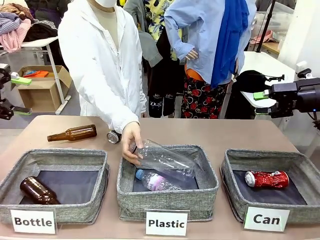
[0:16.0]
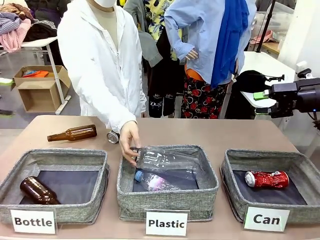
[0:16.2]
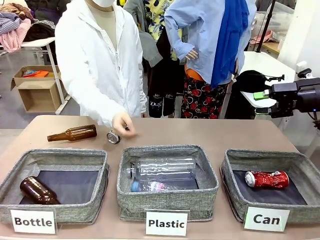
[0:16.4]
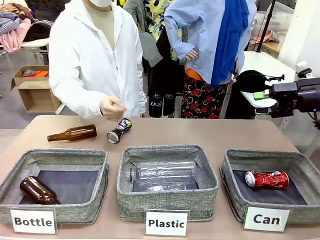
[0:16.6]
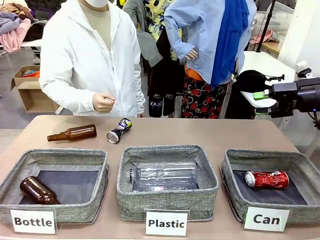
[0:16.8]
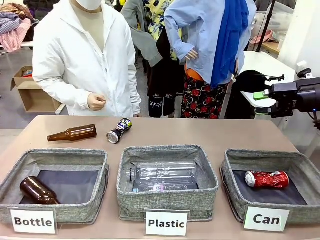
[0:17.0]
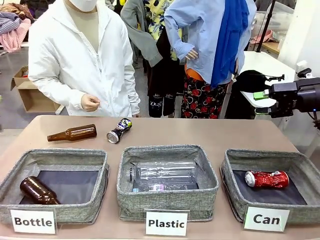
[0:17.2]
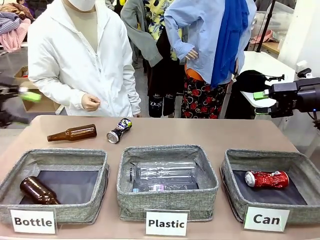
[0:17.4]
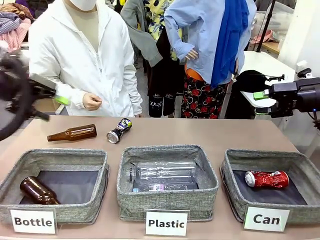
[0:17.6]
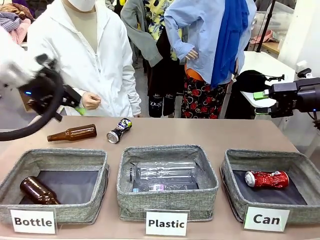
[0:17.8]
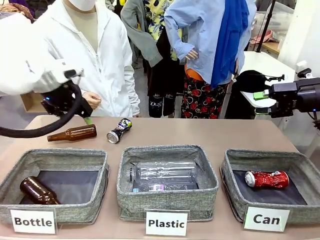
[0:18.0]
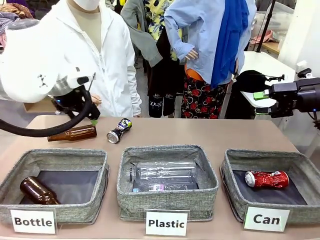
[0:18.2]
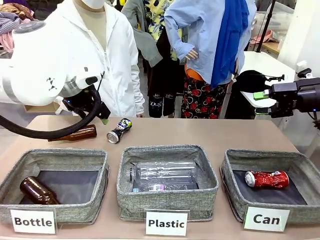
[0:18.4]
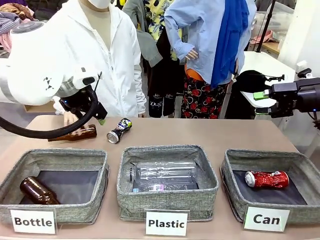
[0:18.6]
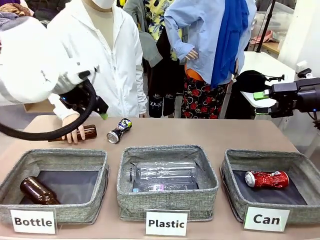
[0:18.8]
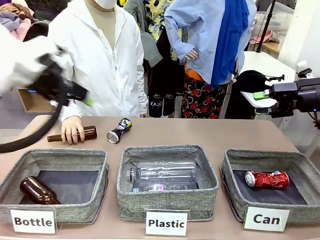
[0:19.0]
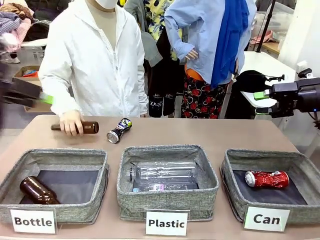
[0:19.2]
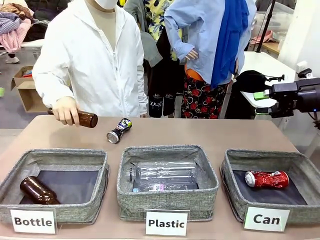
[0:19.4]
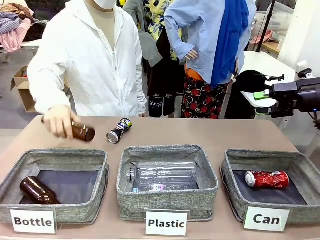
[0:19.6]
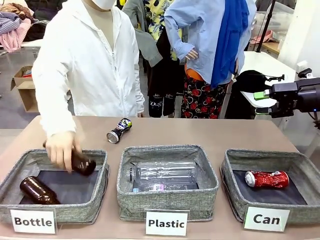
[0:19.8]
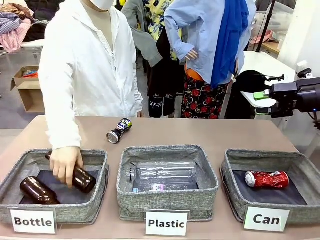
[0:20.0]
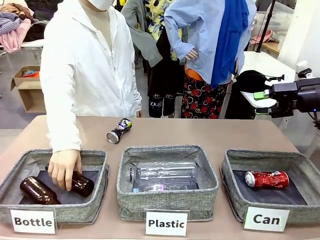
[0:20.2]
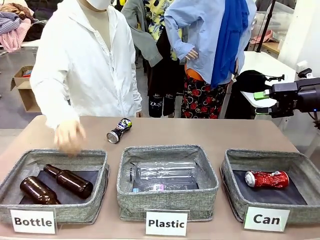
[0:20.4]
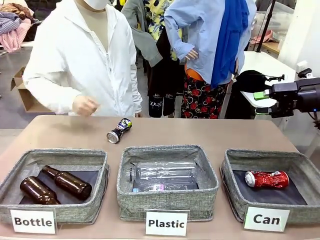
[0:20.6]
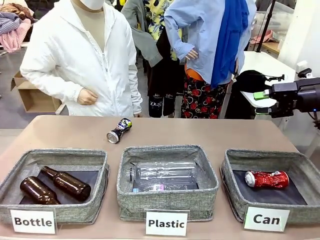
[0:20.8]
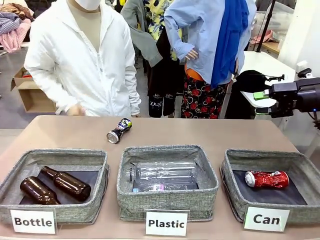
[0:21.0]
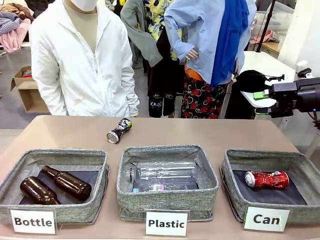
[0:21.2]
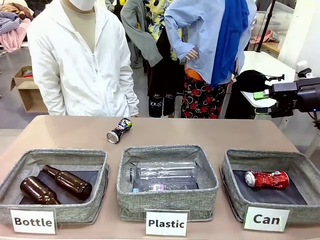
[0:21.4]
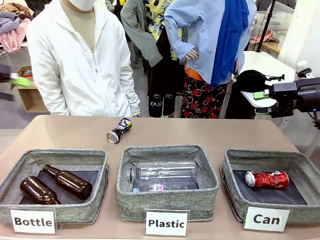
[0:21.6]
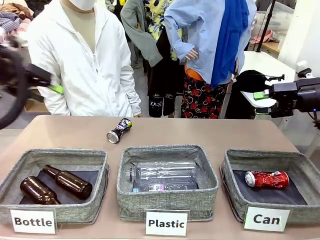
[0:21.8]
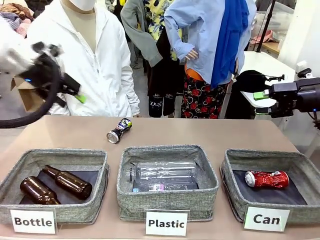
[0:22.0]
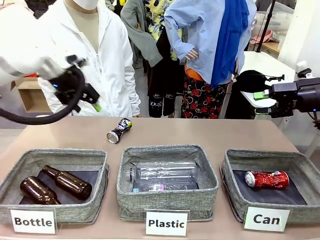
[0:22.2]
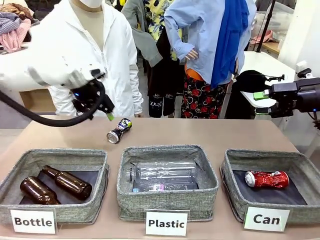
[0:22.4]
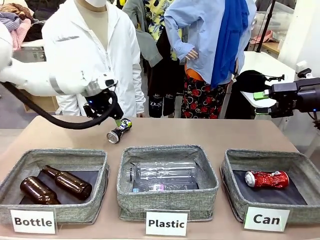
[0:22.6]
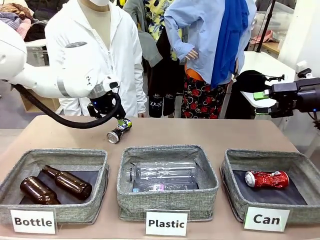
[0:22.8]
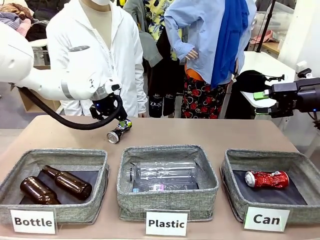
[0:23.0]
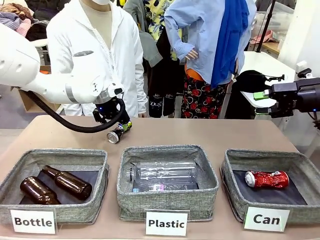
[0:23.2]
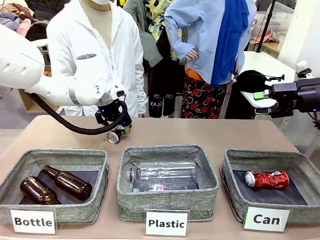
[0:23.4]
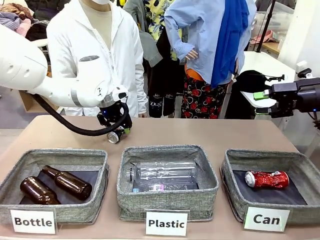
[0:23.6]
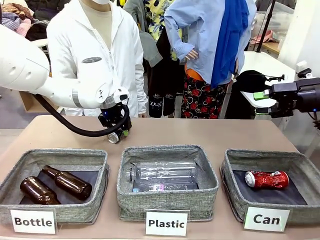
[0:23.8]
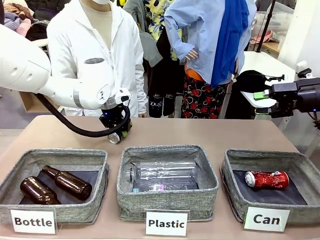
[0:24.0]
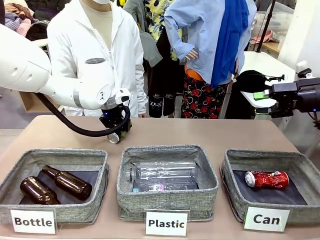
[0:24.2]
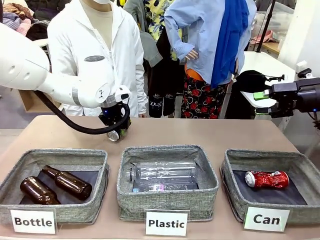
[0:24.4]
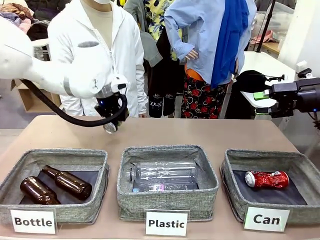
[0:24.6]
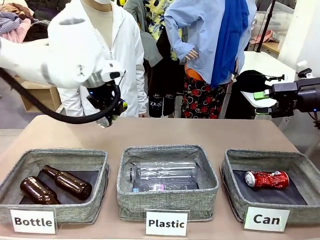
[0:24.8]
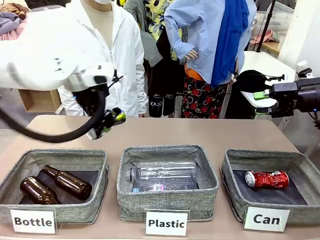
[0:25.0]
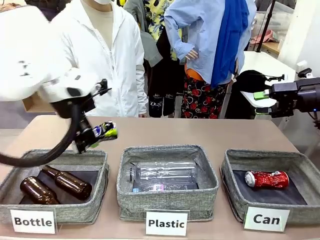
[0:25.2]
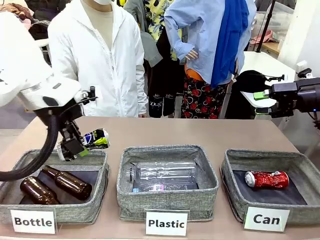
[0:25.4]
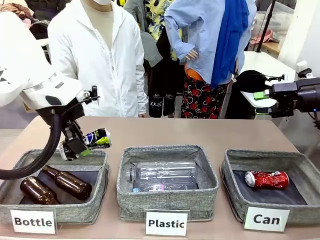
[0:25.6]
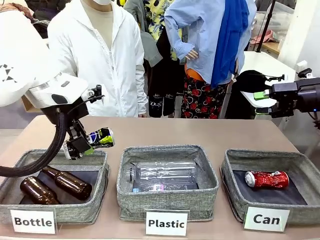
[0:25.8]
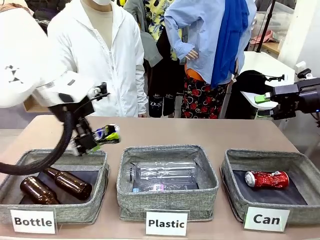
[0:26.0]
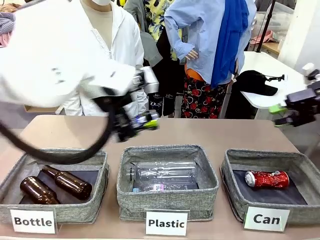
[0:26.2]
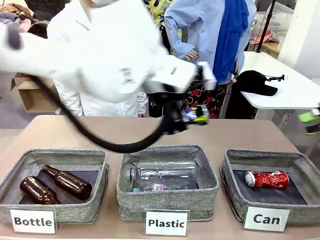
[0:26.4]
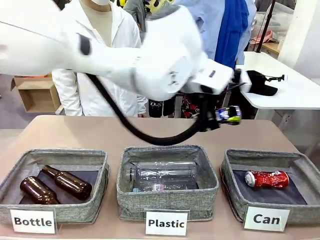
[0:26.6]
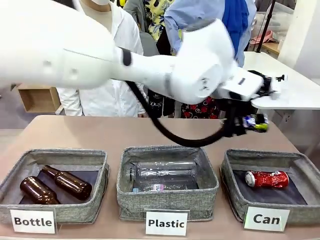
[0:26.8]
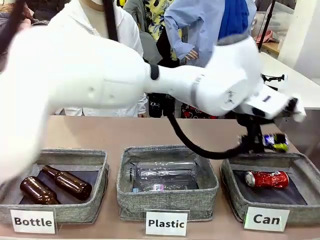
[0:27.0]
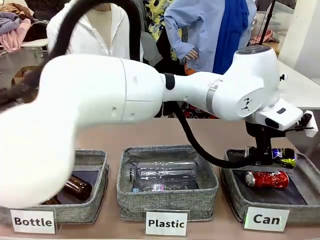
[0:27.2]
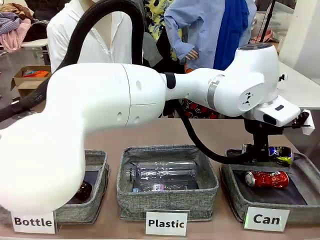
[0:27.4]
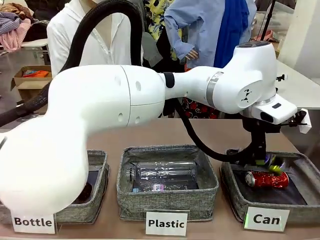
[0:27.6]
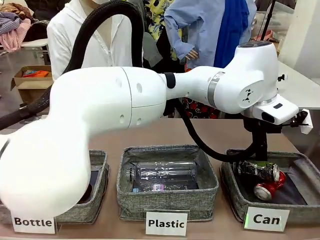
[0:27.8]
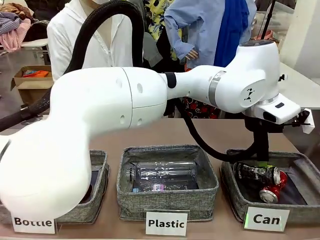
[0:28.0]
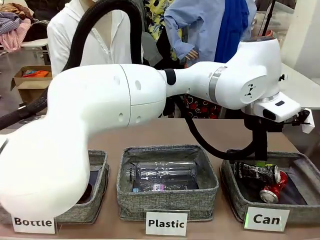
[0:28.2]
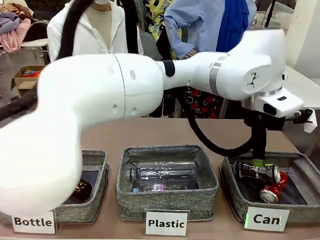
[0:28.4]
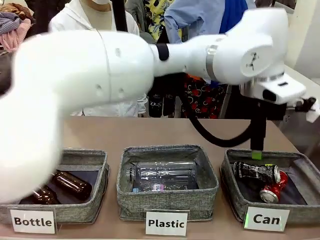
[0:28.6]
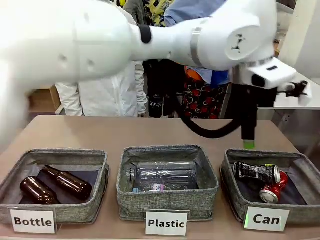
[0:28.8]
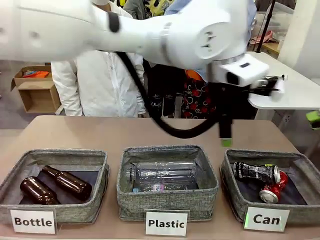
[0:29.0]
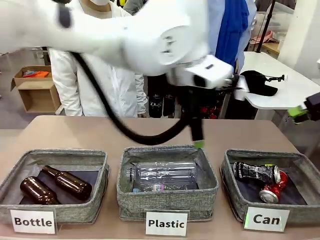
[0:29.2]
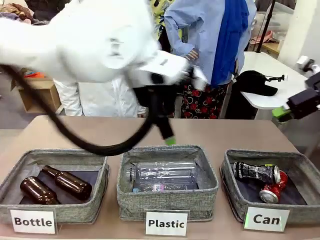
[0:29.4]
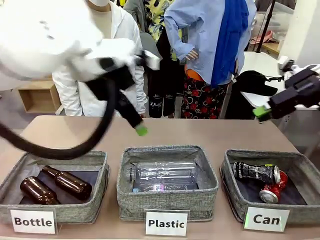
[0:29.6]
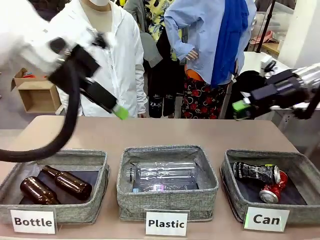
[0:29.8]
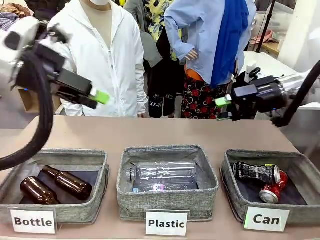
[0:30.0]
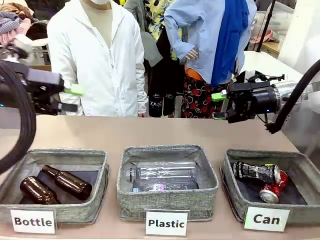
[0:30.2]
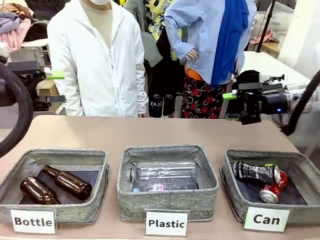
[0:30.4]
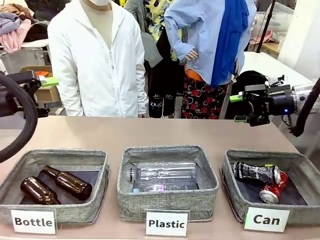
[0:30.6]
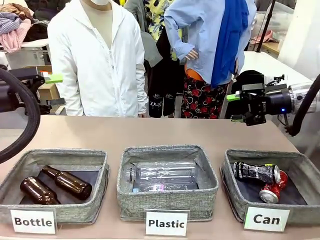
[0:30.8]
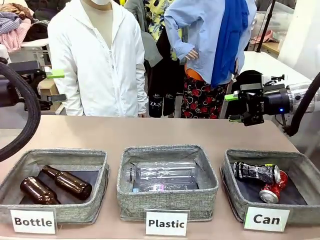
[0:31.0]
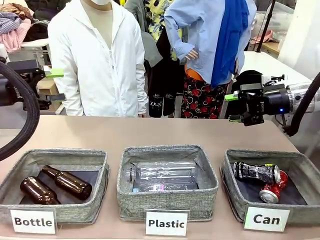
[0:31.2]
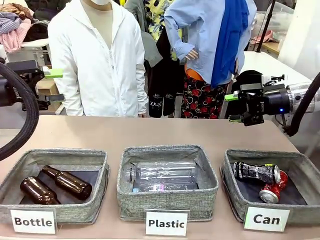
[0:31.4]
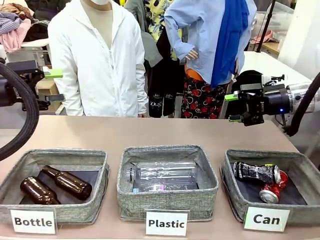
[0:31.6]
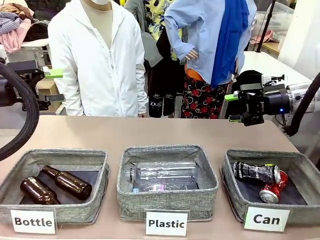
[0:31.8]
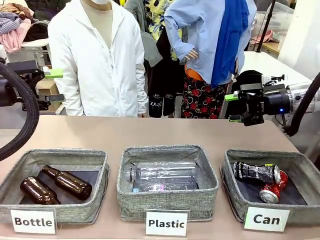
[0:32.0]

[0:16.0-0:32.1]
Task: Sort the can waste into the basket.
Robot: Pick up the can waste from the table and place it in the right Fabric basket.
Person: The human picks up one piece of trash that is not a can and places the trash into the appropriate organizing basket.
